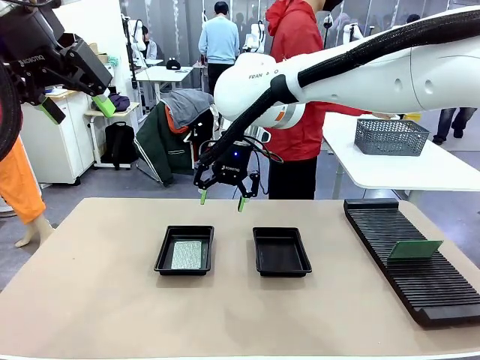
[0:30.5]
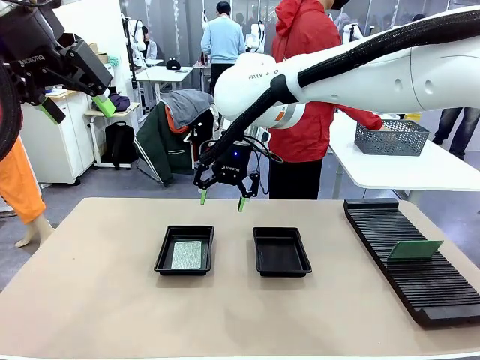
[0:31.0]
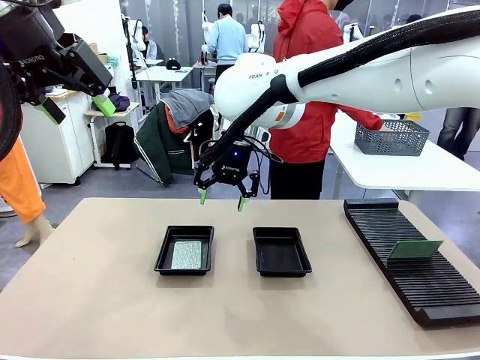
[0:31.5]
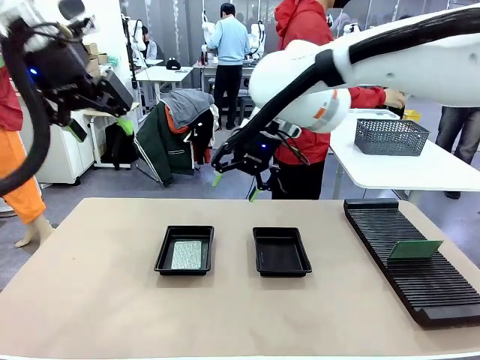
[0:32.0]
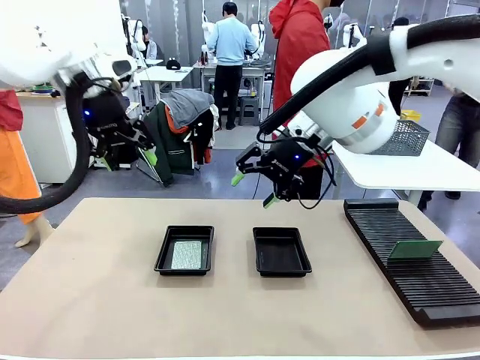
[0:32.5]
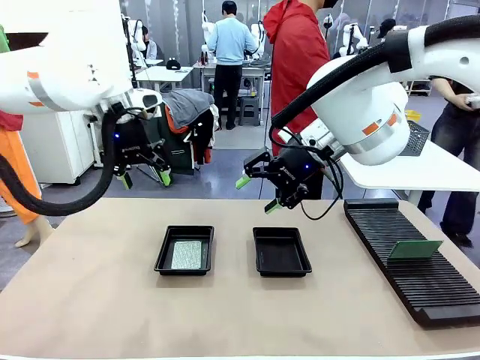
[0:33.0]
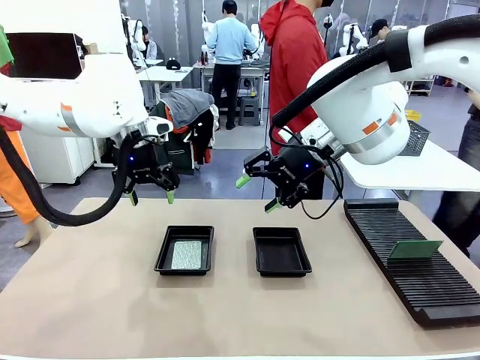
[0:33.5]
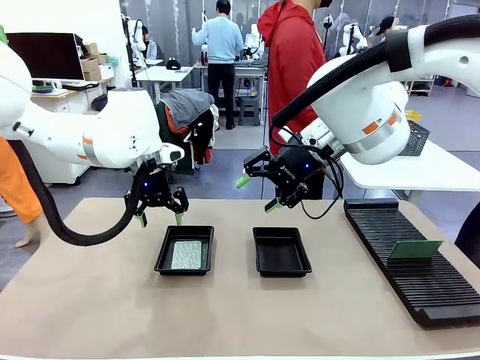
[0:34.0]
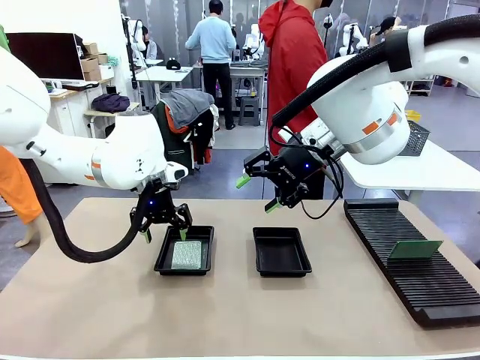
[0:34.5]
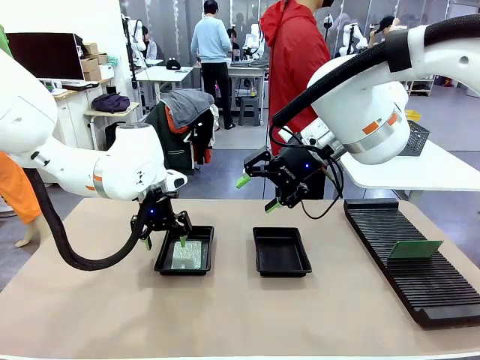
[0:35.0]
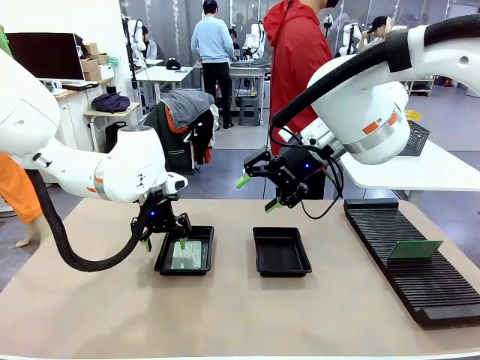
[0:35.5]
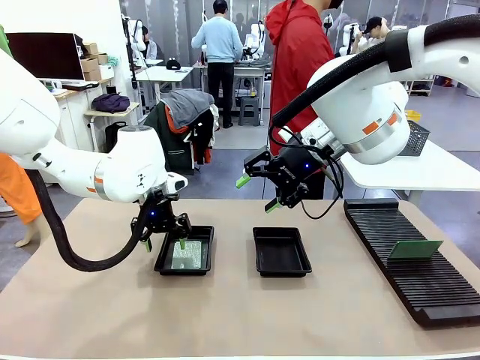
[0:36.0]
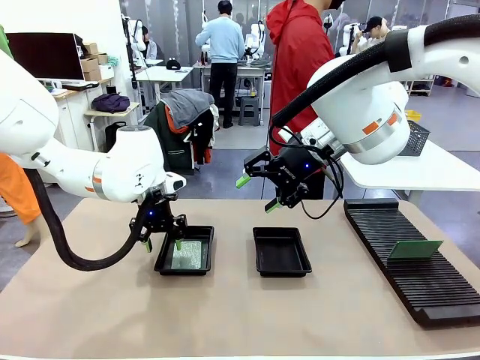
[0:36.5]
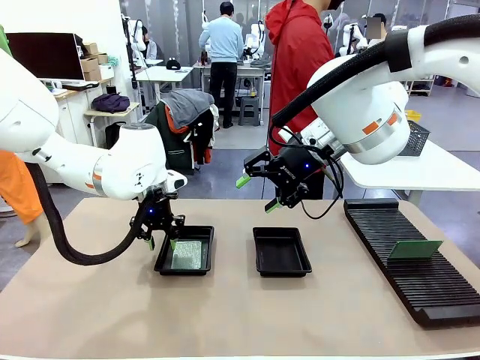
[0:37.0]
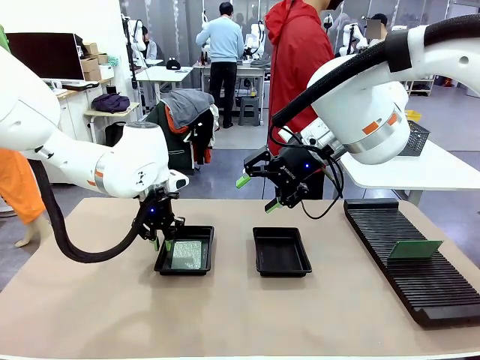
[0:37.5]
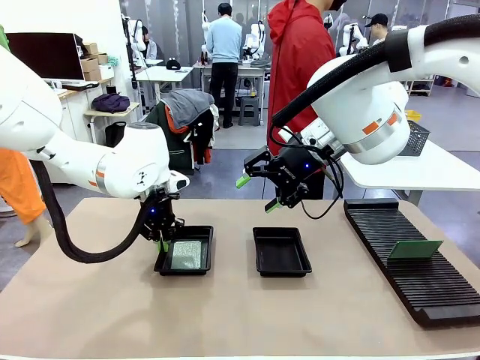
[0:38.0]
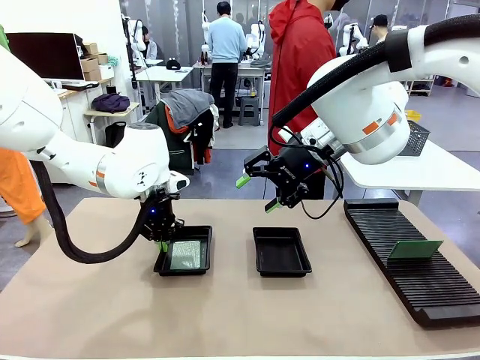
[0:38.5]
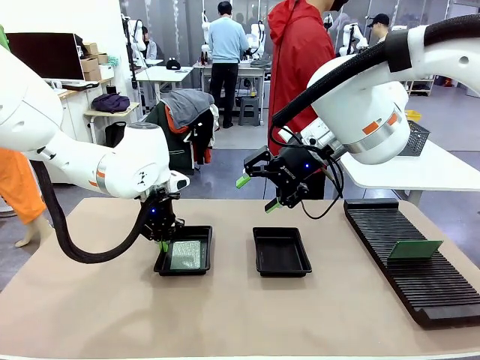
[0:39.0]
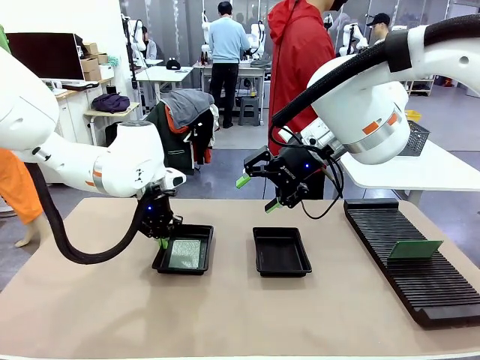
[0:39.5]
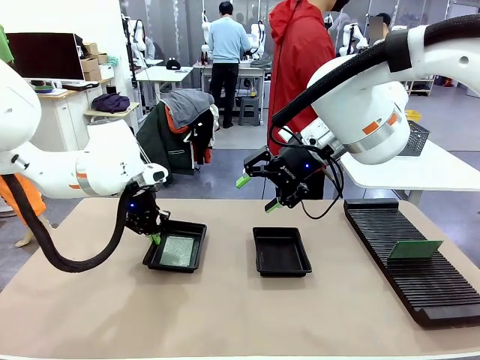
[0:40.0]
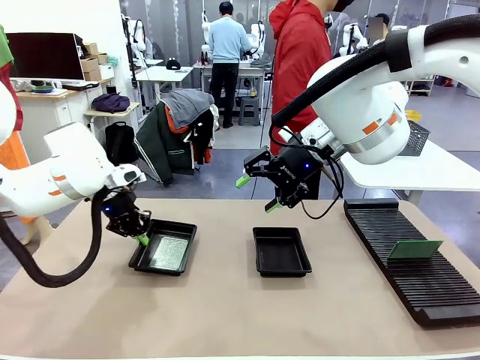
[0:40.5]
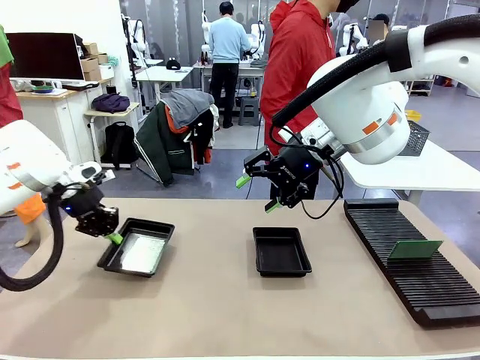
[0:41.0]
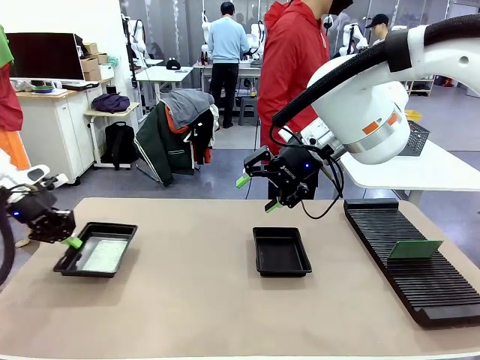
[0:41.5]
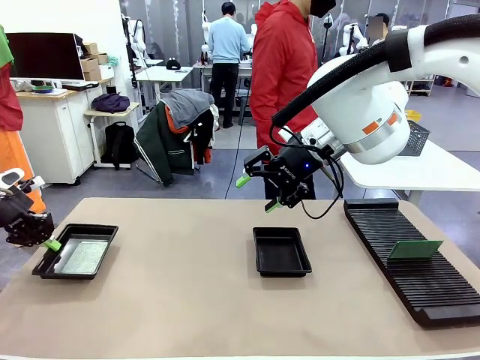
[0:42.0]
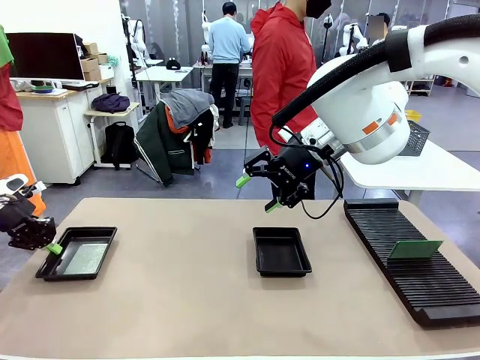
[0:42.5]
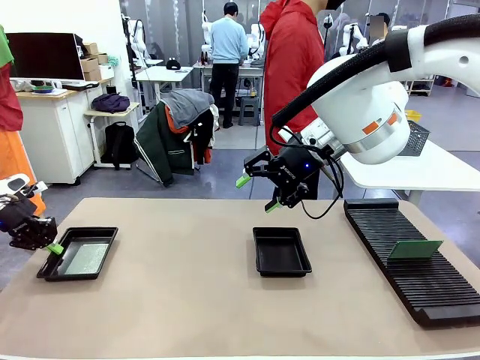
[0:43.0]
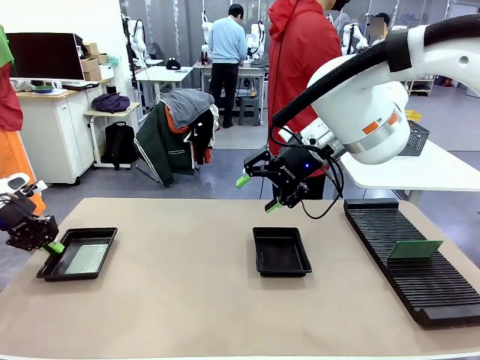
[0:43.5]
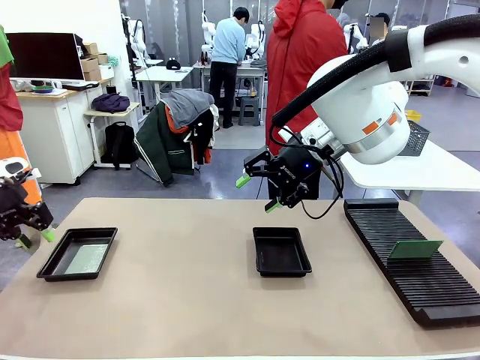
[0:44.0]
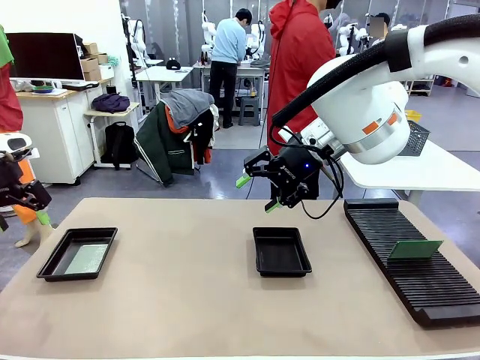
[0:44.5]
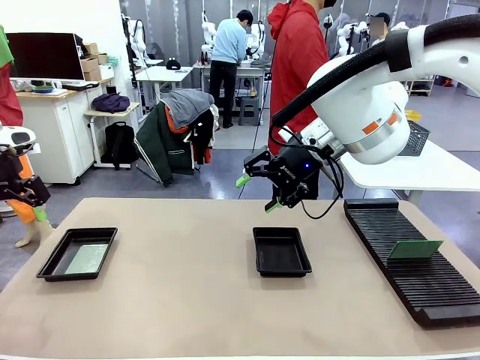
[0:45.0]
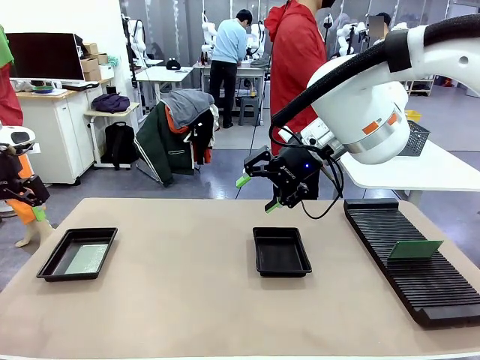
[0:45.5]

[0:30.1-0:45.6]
Task: Inspect and transfer BCBs to ESD trays.
Robot: Pick up the ESD tray and place it on the left side of the table.
